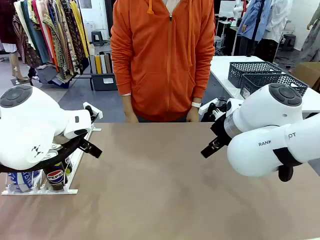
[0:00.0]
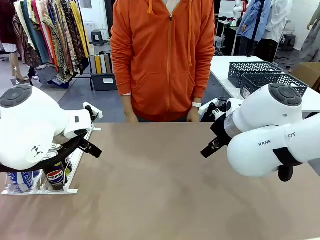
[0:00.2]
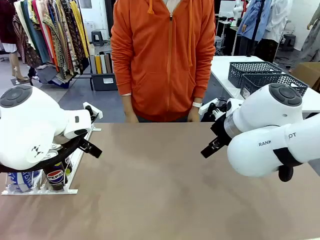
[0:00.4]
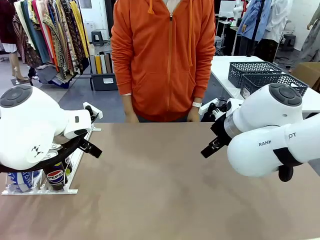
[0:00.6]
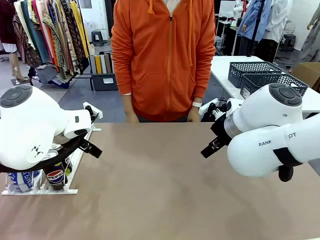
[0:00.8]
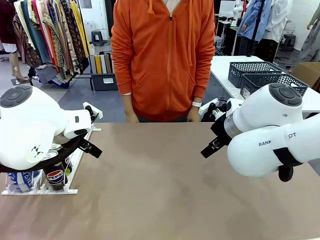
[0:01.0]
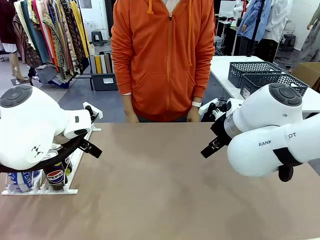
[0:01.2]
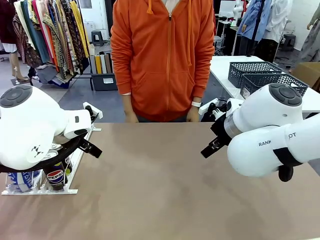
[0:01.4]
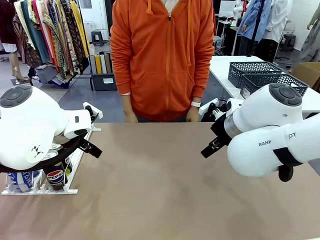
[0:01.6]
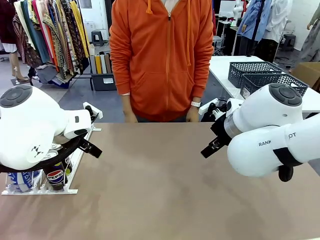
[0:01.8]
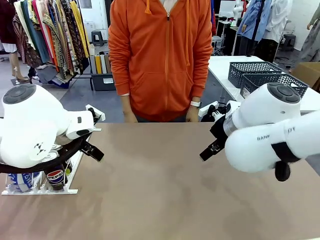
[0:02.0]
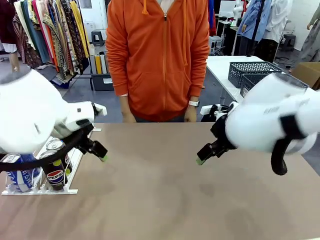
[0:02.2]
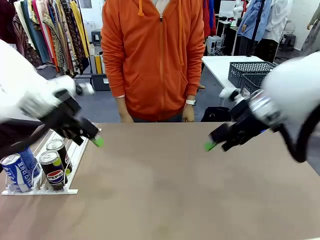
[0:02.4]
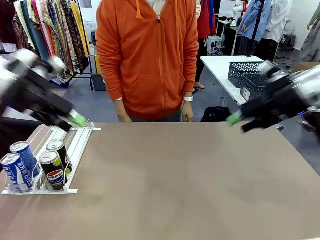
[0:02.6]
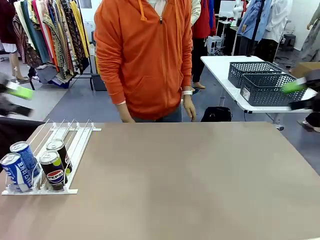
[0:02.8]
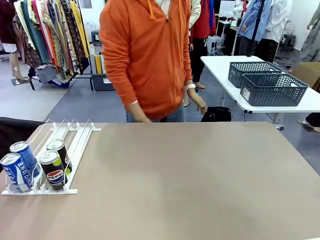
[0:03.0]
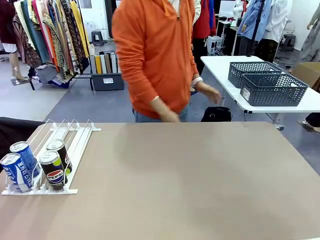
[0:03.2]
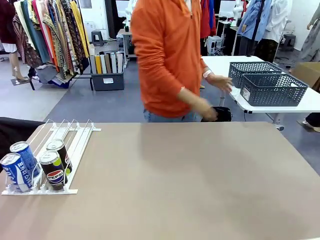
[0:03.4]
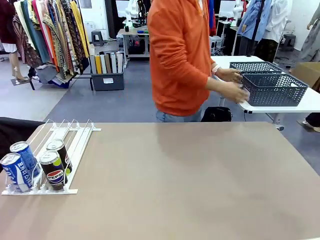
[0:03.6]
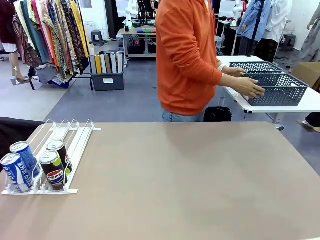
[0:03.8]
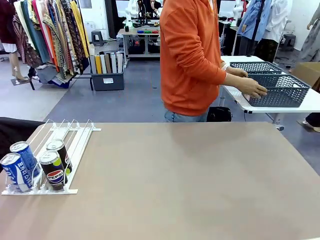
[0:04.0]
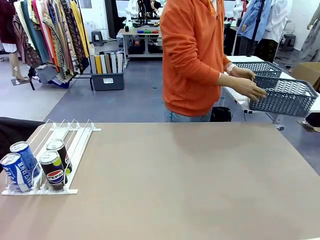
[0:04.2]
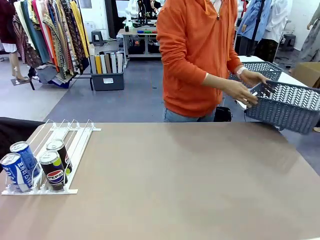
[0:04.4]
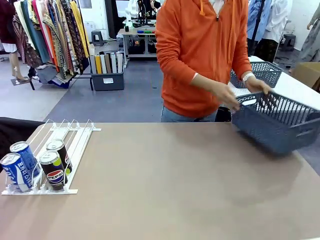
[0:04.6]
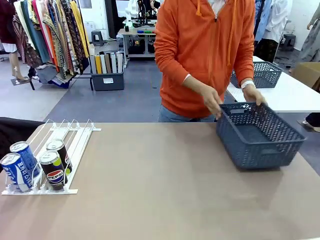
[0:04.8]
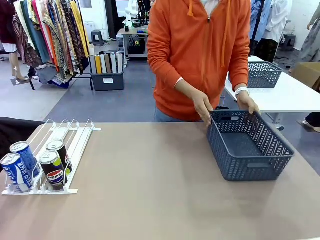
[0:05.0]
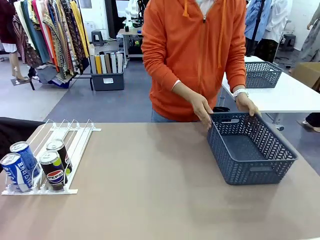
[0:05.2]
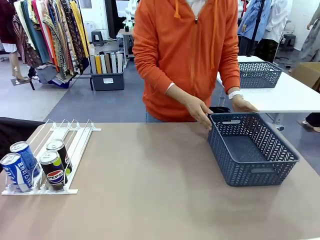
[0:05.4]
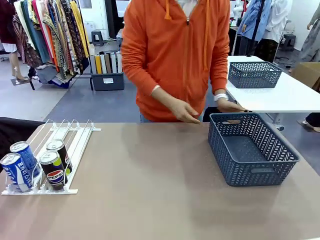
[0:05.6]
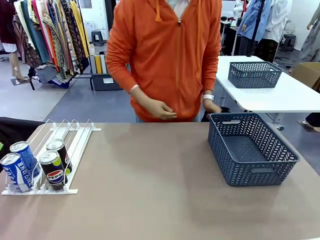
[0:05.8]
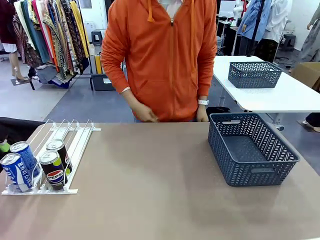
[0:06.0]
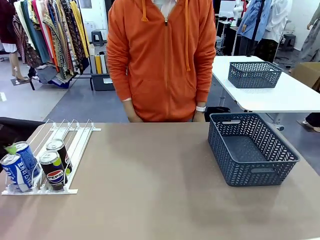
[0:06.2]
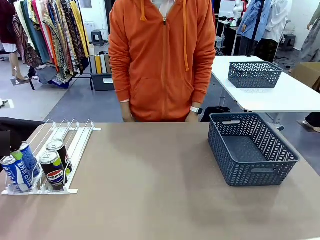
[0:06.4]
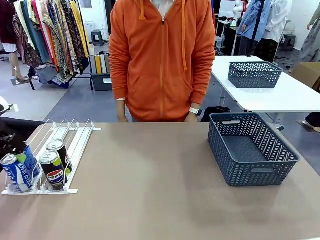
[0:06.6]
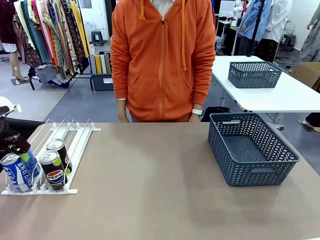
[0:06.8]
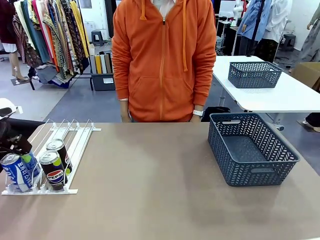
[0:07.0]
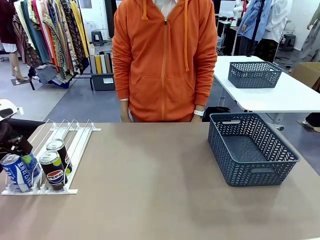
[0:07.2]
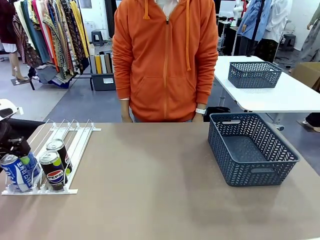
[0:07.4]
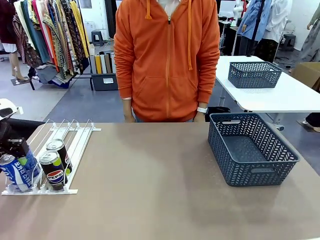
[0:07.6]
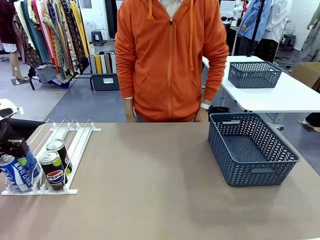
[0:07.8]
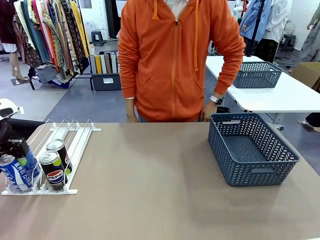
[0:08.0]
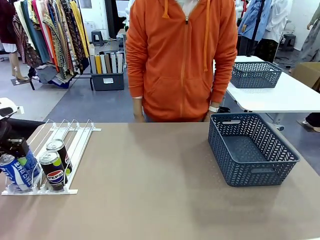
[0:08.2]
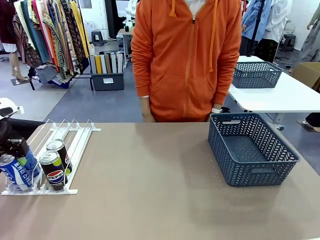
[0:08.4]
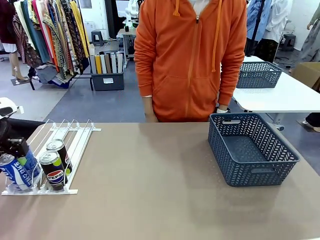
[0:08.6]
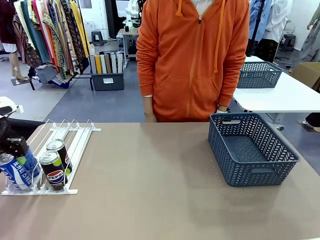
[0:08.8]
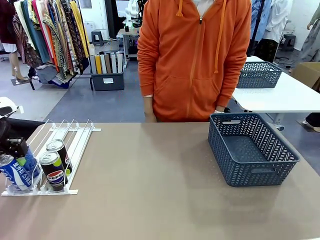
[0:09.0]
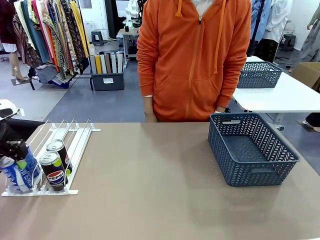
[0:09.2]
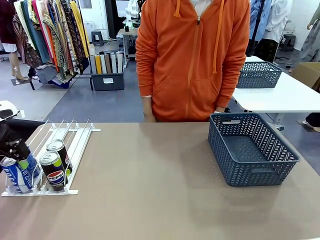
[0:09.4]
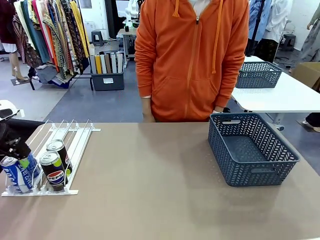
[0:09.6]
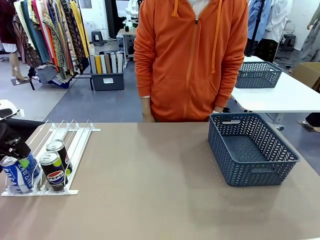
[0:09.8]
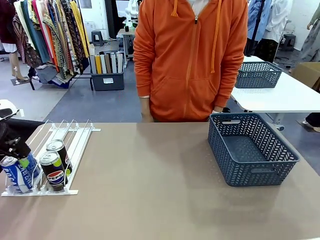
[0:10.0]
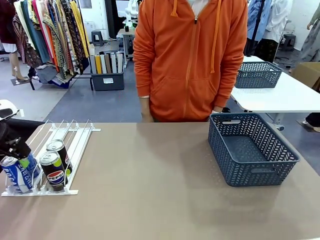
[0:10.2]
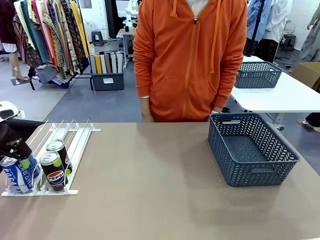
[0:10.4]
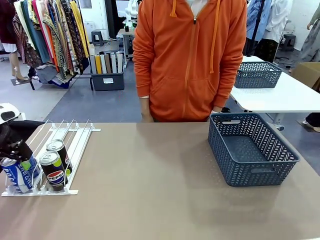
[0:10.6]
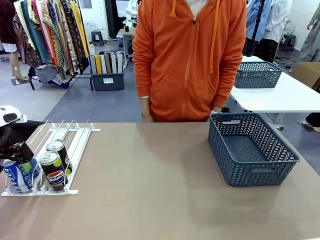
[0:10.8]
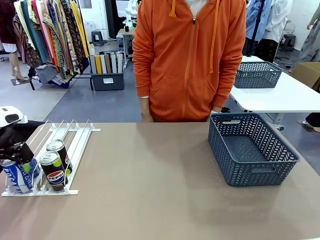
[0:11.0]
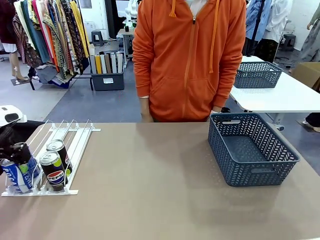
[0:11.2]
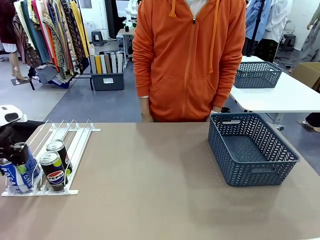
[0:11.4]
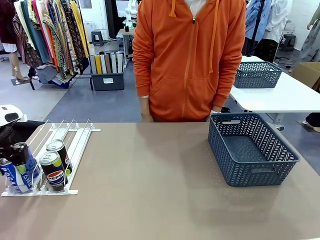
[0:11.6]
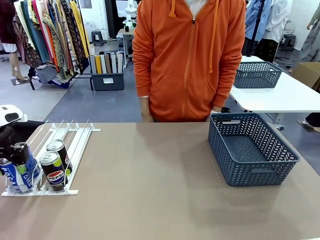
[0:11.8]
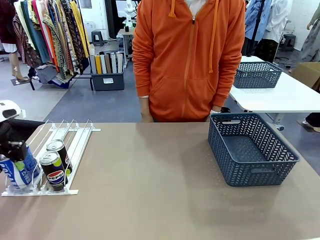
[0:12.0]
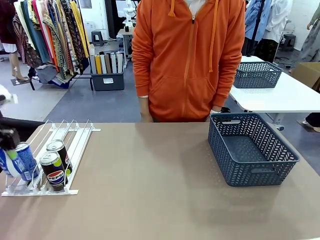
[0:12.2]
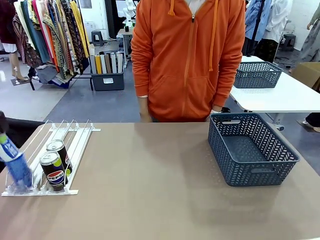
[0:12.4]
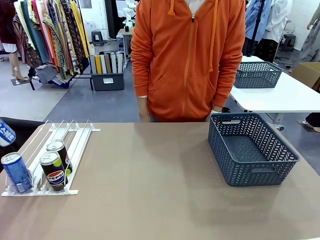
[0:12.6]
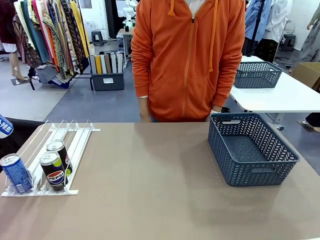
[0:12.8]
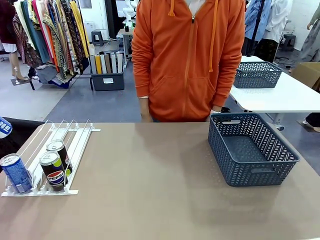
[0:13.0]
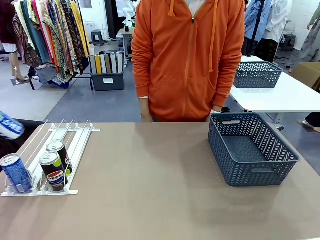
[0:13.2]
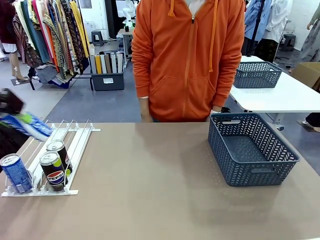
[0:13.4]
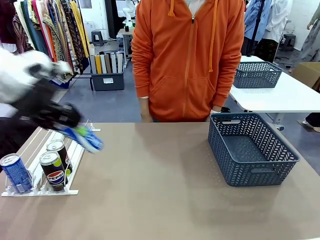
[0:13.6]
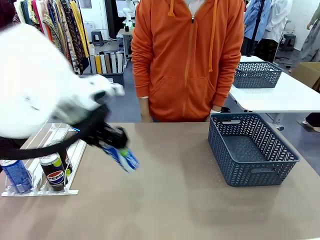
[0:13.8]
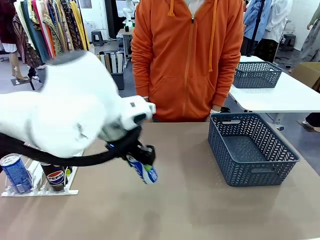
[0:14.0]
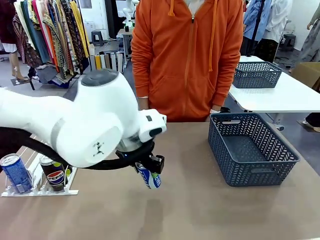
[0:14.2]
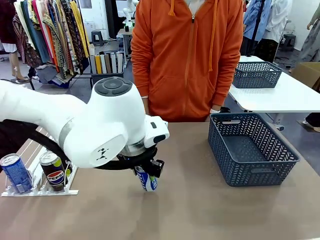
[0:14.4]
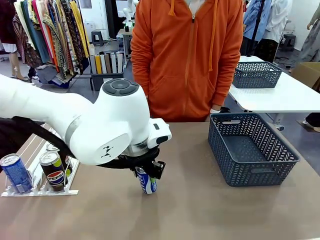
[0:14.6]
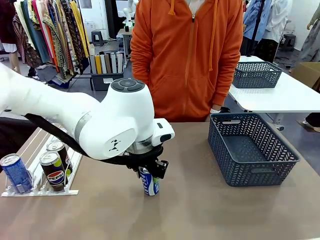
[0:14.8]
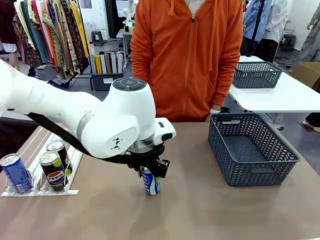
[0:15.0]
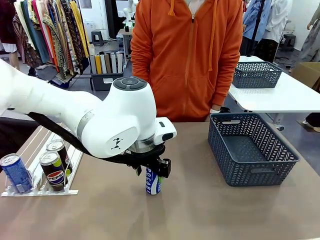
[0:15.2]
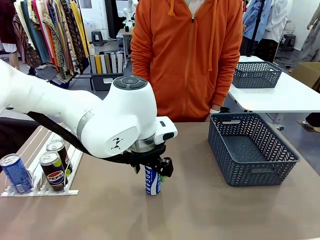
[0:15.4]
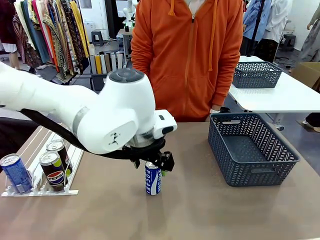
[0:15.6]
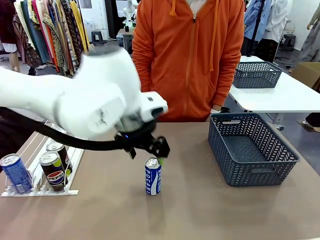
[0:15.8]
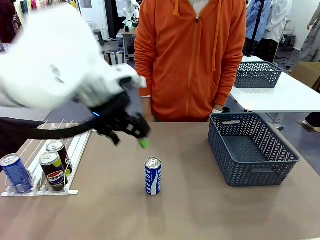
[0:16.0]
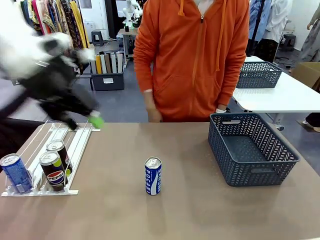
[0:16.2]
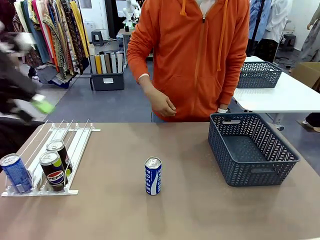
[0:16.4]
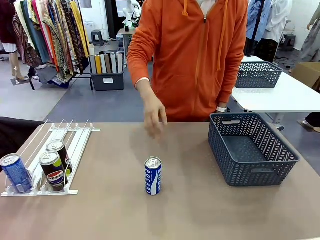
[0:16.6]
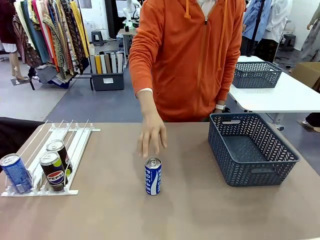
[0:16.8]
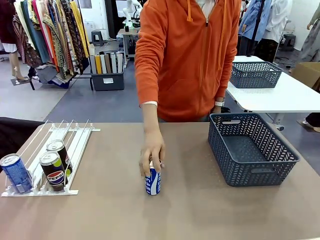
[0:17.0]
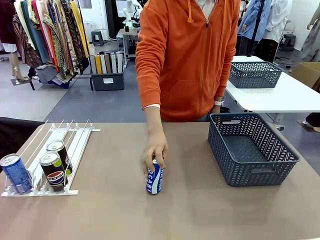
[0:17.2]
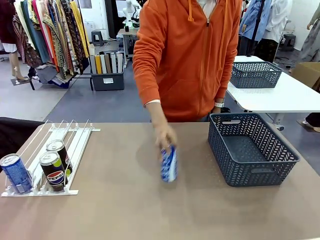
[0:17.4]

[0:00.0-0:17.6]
Task: Retrieve and store the cans from the dispenser.
Robot: Pick up one can from the Automatic Can Dispenser and place it in the middle of the table.
Person: Pick up the basket and place it on the left side of the robot table.
